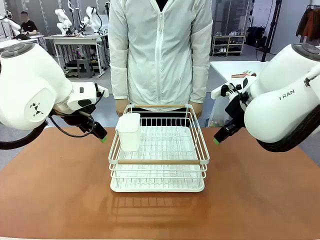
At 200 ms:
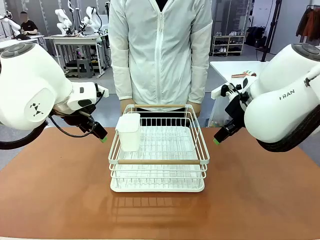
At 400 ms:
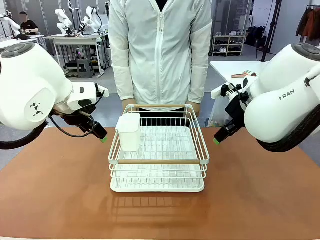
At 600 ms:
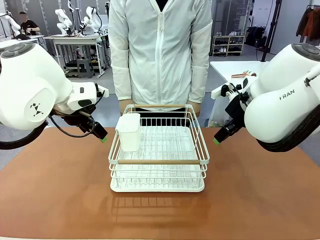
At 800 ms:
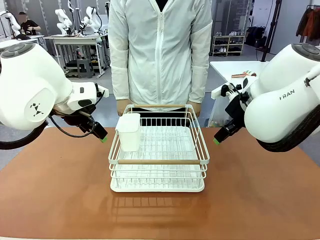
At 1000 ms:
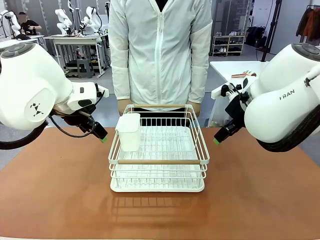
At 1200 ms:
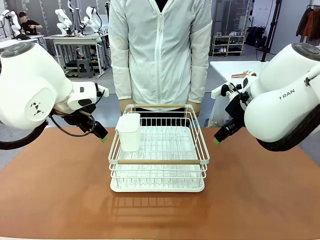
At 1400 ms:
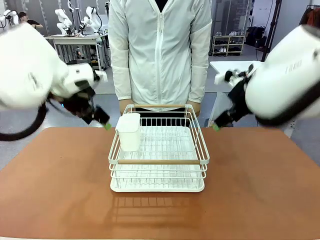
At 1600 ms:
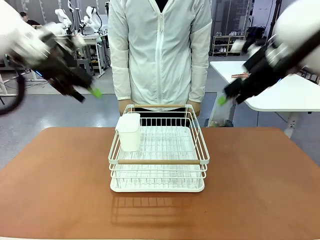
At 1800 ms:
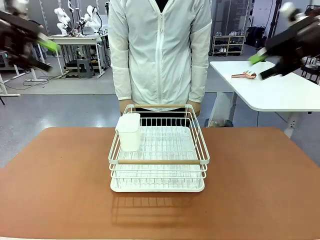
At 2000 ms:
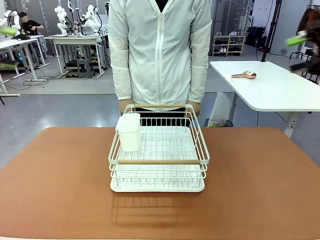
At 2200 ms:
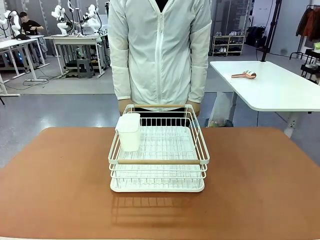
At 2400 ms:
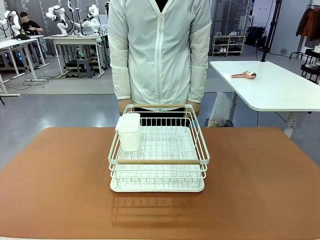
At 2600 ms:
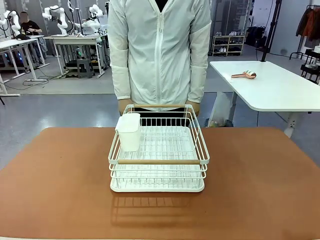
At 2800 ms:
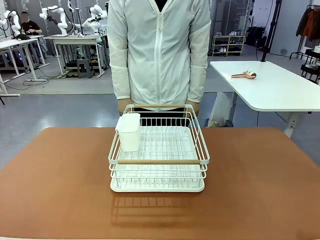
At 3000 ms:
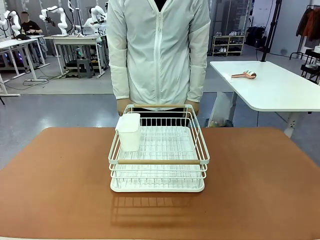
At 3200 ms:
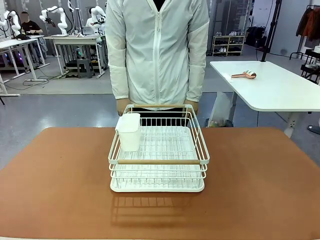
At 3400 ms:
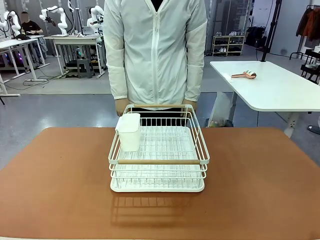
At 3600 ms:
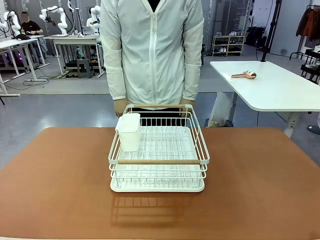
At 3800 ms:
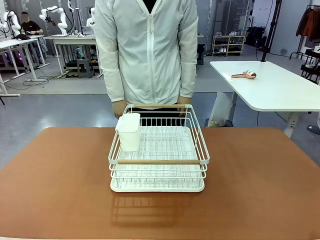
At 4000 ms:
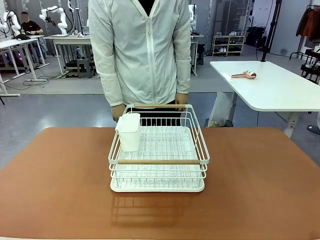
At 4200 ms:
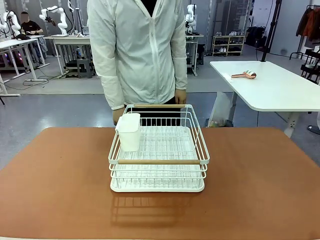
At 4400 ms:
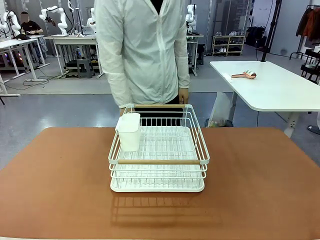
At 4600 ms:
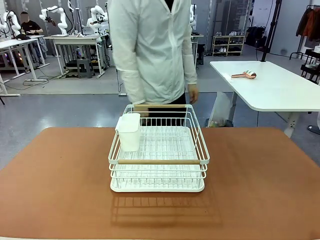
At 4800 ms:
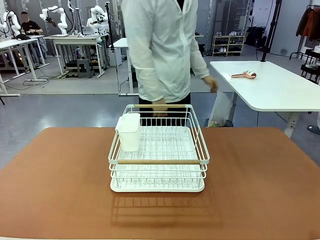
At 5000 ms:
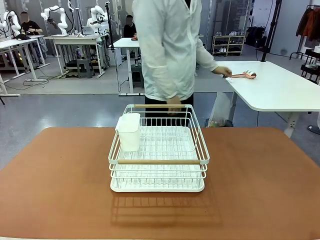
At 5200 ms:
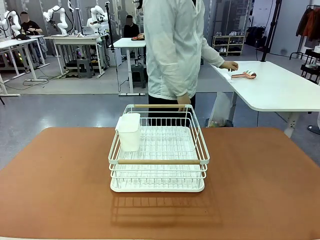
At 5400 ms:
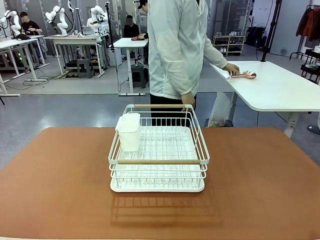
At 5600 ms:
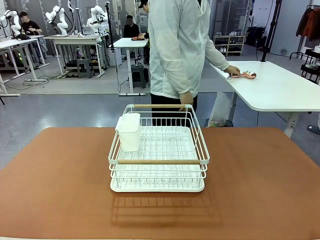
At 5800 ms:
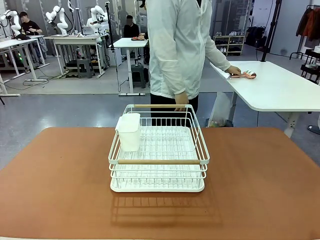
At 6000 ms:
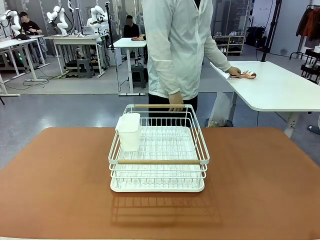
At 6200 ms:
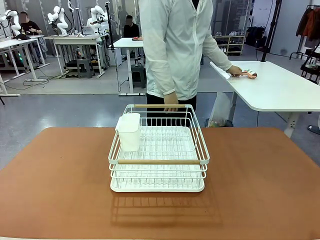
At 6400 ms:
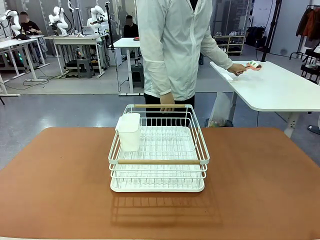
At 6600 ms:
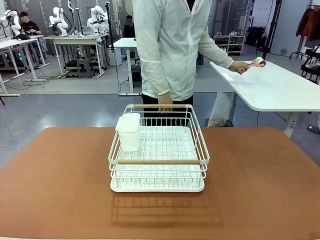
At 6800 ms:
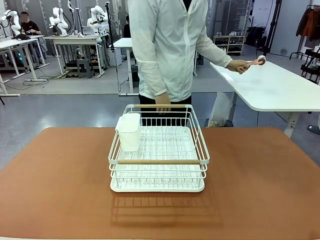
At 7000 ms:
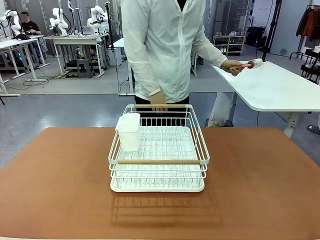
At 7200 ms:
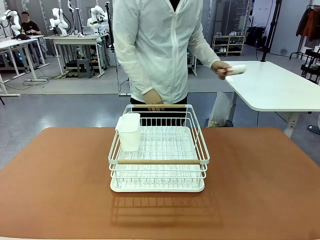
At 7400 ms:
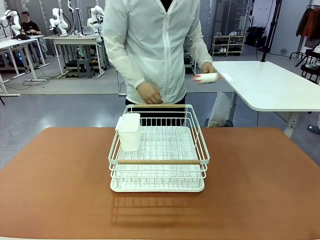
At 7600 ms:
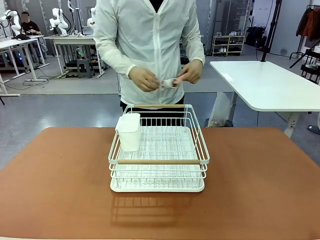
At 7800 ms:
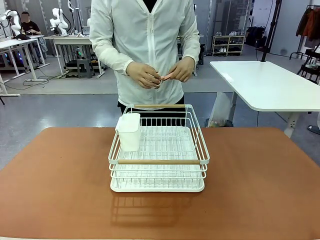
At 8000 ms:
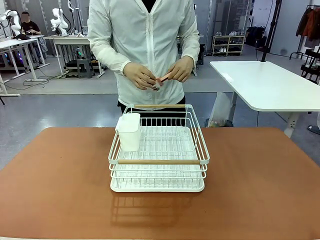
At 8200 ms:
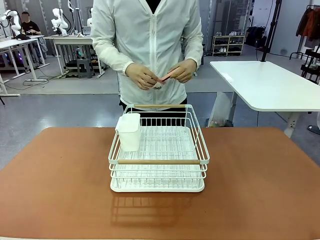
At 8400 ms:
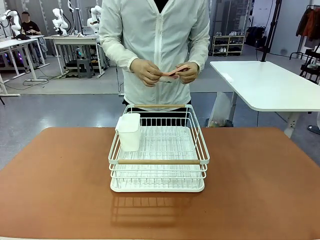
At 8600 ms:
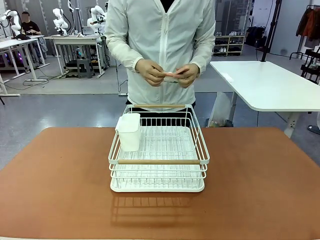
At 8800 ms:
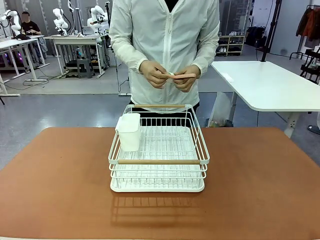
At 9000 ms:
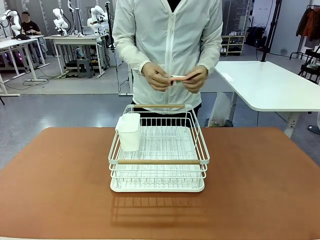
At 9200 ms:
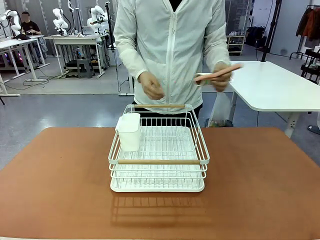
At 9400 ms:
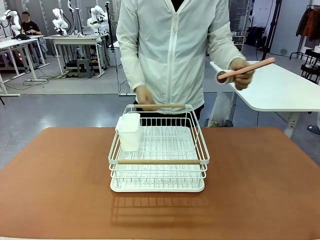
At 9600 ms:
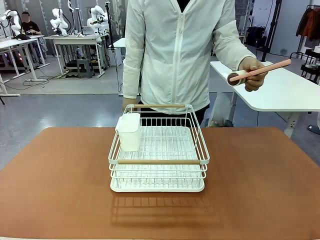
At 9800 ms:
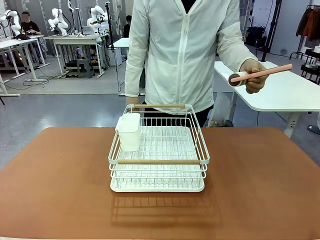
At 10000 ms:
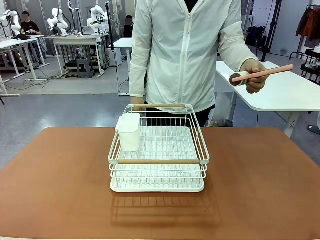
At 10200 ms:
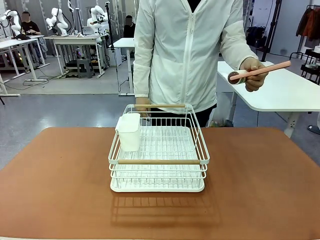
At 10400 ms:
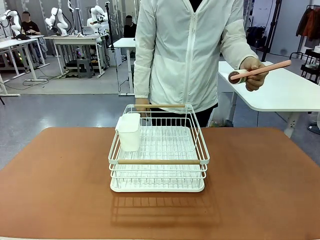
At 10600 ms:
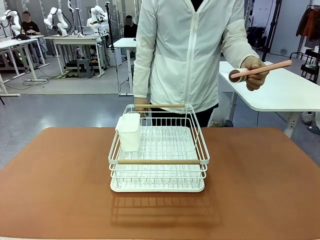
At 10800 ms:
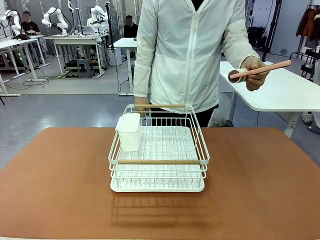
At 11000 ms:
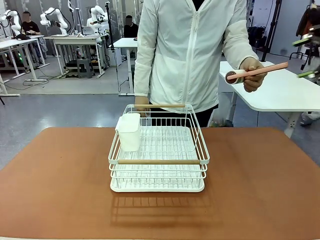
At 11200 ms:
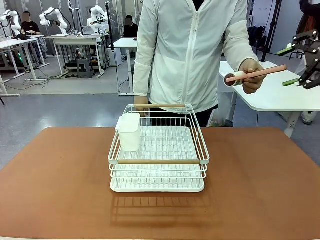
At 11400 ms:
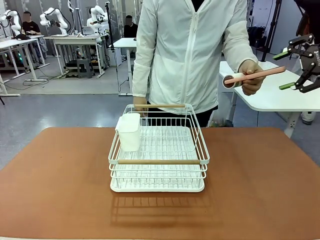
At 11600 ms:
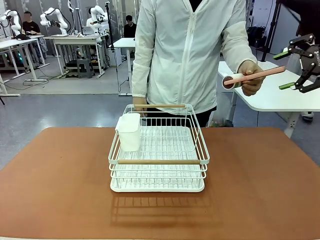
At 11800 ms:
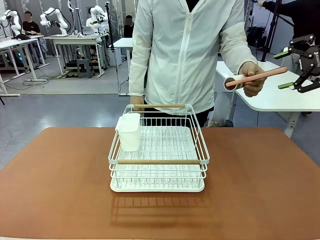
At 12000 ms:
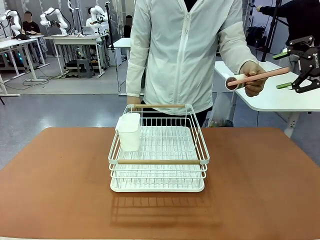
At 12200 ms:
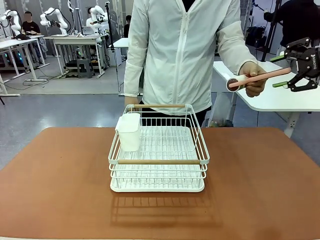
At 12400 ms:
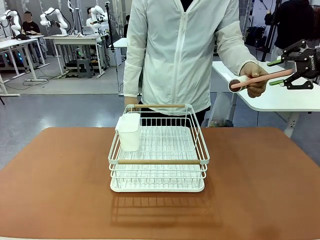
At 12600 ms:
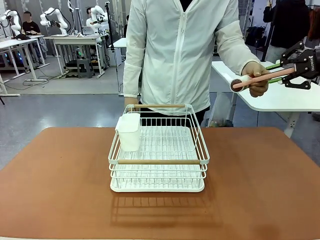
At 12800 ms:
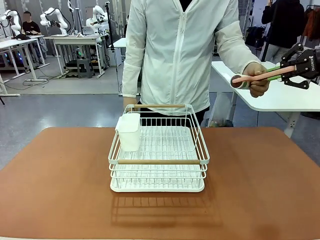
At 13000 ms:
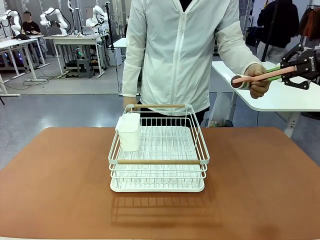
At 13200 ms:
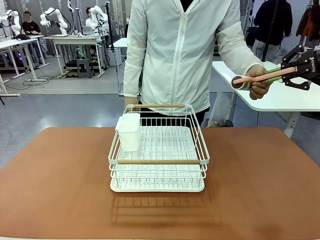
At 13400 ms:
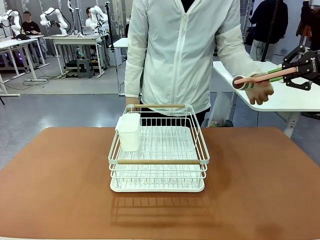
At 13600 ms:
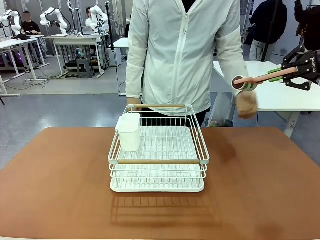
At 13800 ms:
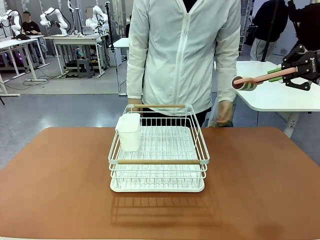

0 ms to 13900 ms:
Task: Clean the table.
Robot: Pick up the Lint Roller when the human hands it over.
Person: Hand the Lint Roller to the robot so it can easily pick it up. Lift the Dish drying rack.

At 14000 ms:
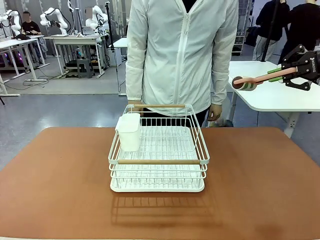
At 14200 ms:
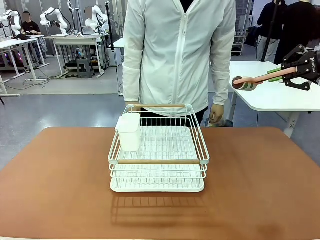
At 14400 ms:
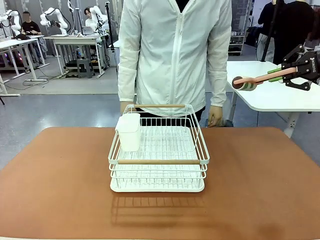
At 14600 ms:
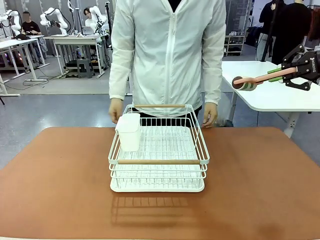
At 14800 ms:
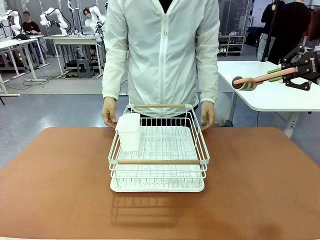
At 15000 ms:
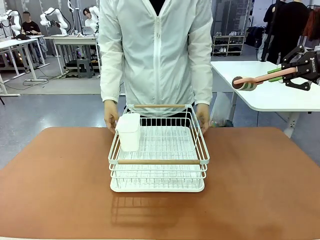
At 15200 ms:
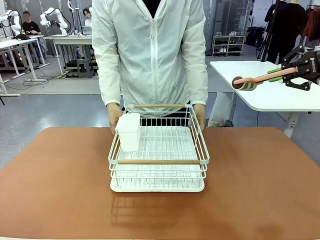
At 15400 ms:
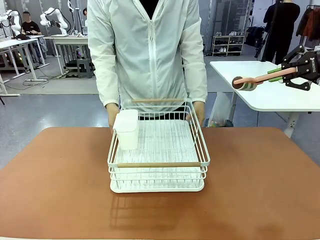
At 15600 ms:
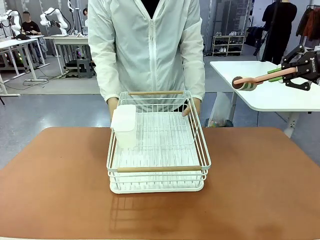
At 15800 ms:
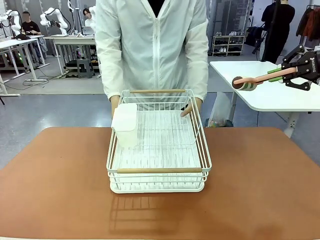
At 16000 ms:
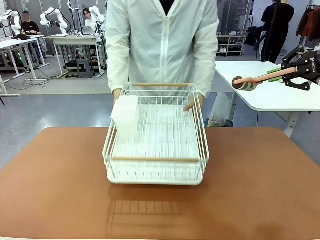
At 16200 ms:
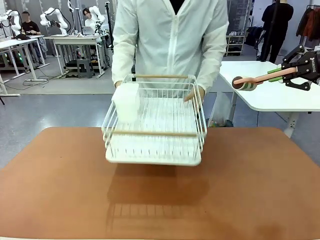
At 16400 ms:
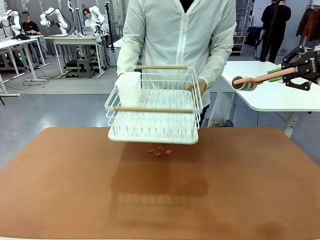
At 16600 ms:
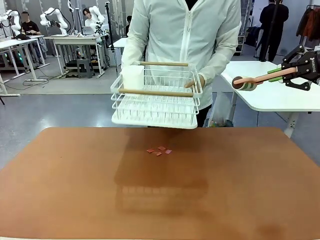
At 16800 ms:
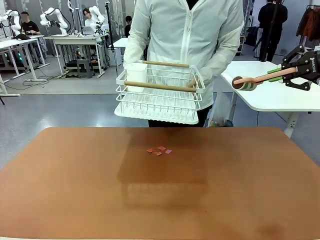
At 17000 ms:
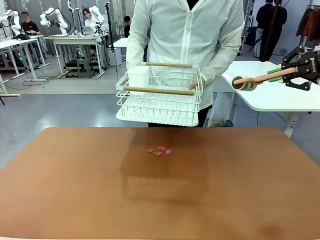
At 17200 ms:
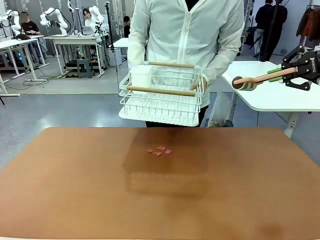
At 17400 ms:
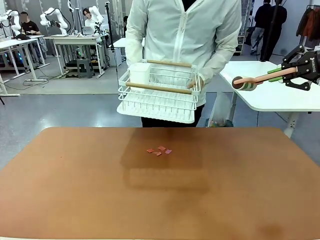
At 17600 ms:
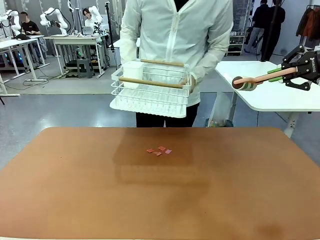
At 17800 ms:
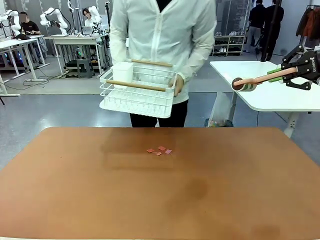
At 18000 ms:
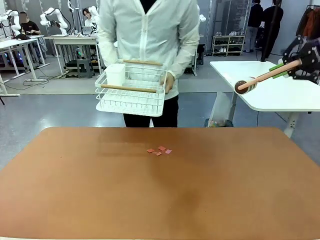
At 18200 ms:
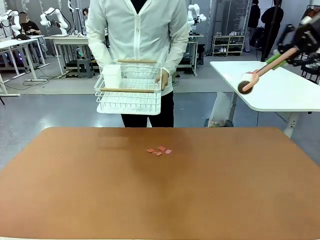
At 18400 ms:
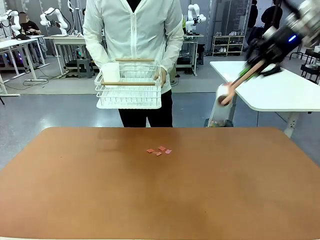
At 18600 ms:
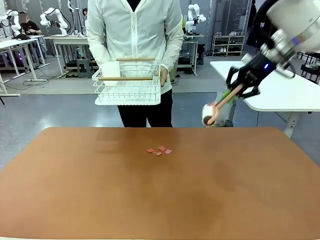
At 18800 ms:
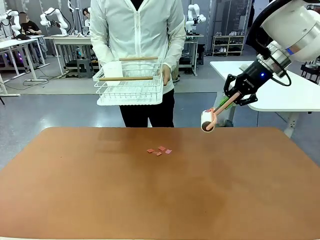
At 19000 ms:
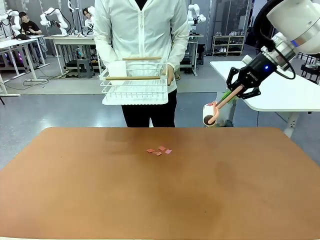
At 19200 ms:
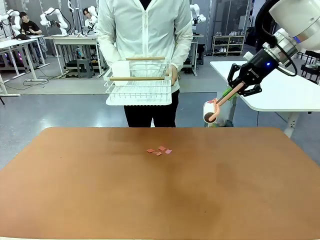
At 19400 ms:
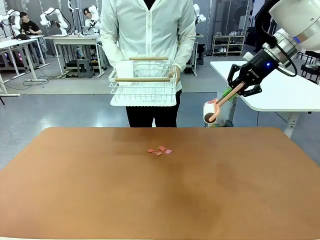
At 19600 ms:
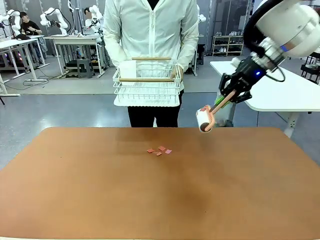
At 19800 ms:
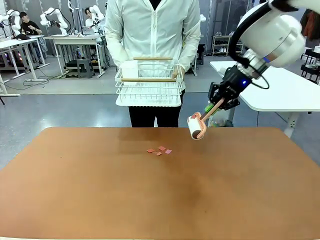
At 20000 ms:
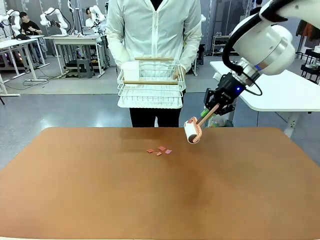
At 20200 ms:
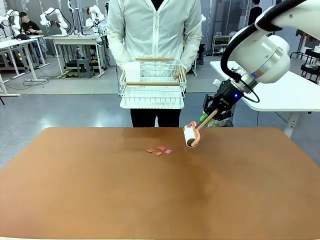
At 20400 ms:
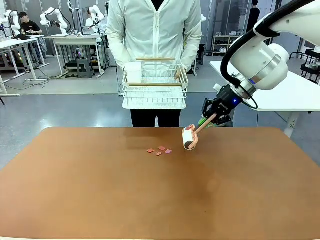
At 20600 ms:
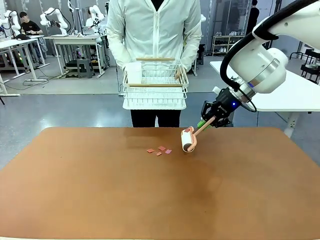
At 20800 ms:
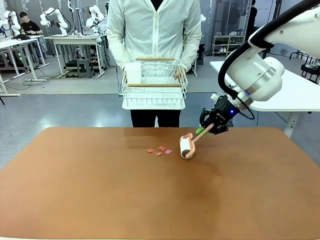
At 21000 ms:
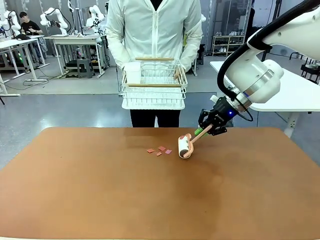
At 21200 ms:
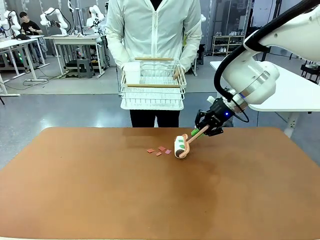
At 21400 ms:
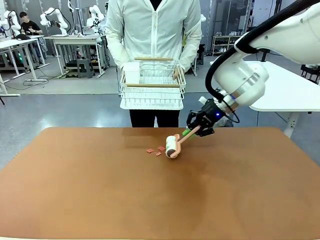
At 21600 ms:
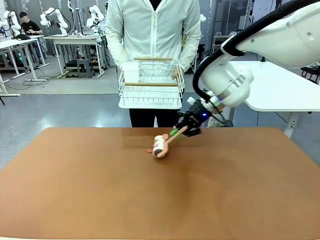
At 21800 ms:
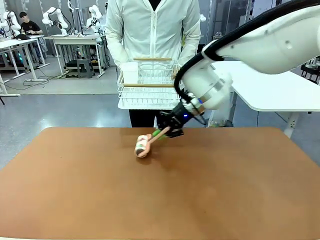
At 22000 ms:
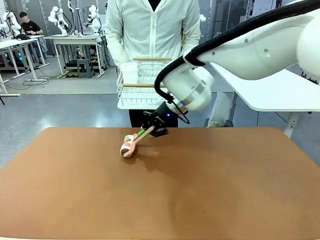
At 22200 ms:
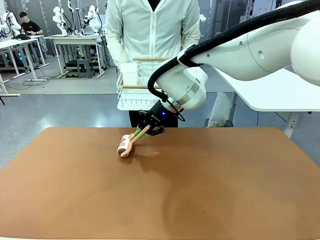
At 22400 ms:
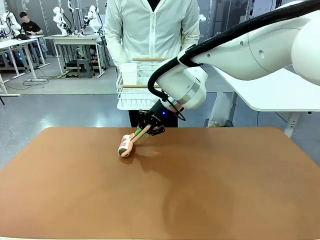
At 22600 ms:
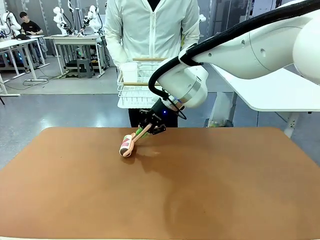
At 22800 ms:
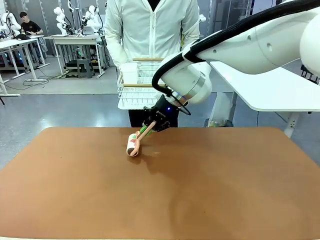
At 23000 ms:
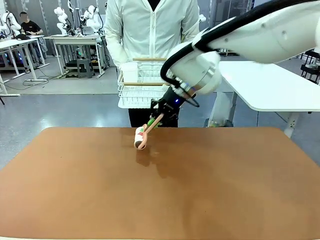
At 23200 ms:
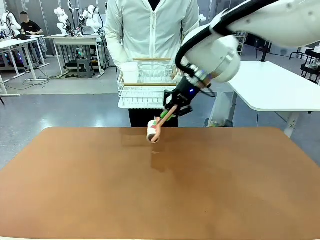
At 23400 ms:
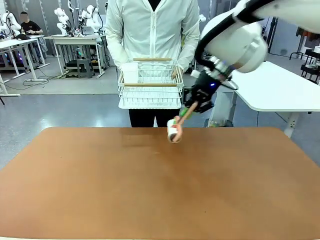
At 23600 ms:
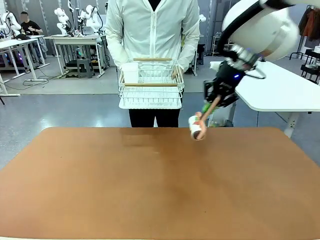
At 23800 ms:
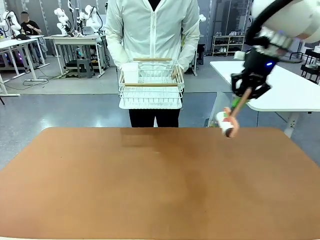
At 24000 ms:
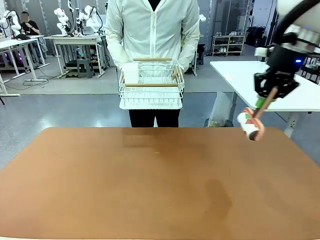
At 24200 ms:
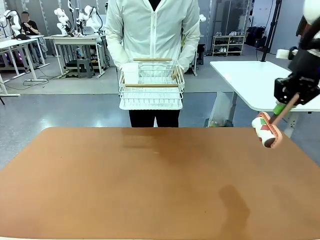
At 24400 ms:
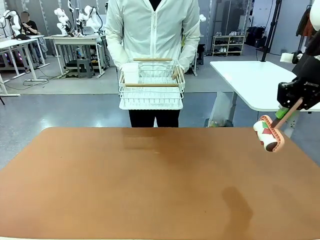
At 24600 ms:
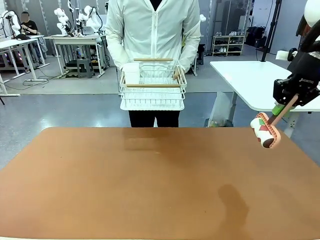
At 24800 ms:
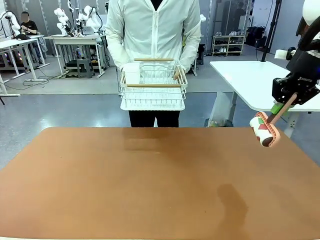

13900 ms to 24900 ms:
Robot: Clean the table with the Lint Roller when the human lifts the Dish drying rack.
